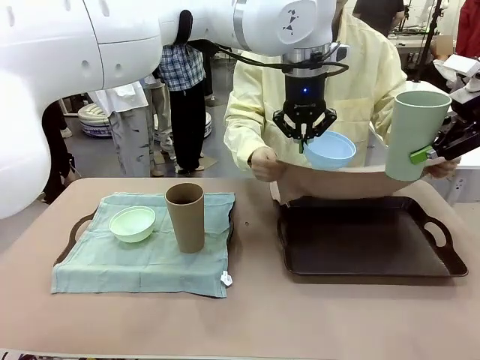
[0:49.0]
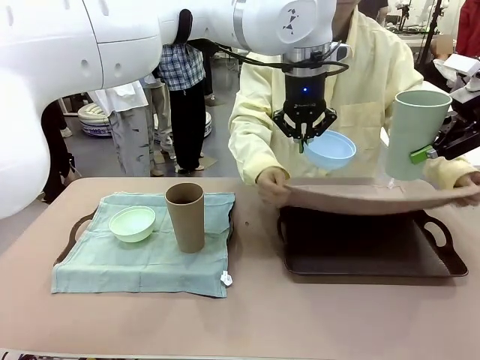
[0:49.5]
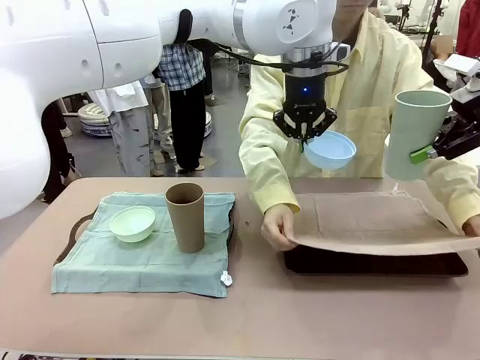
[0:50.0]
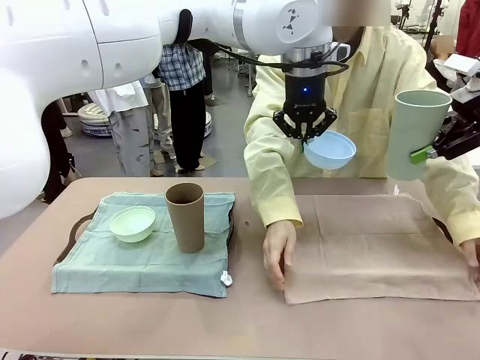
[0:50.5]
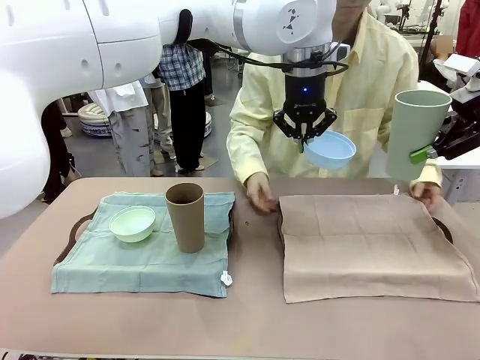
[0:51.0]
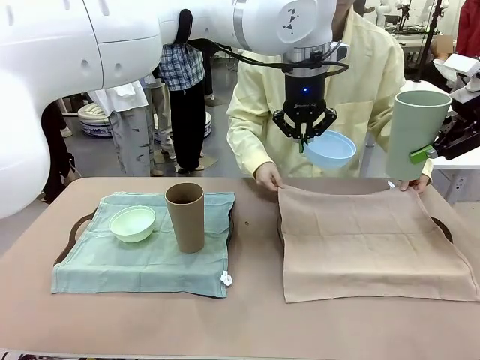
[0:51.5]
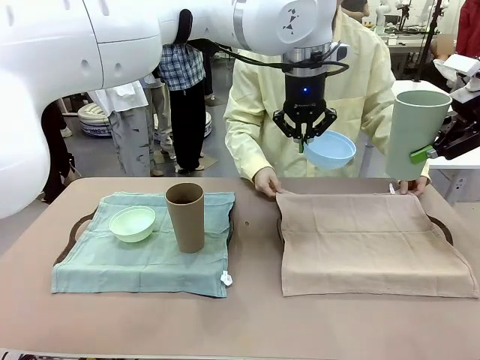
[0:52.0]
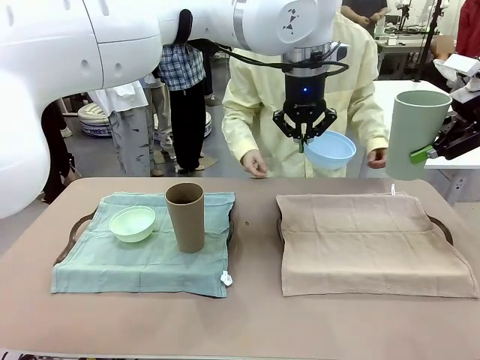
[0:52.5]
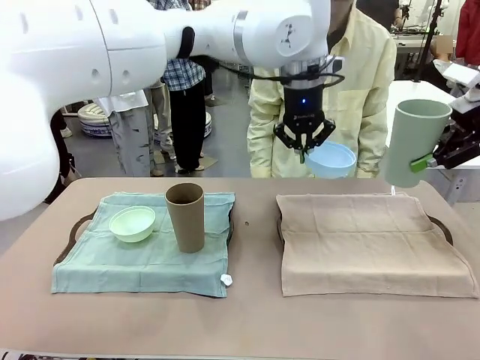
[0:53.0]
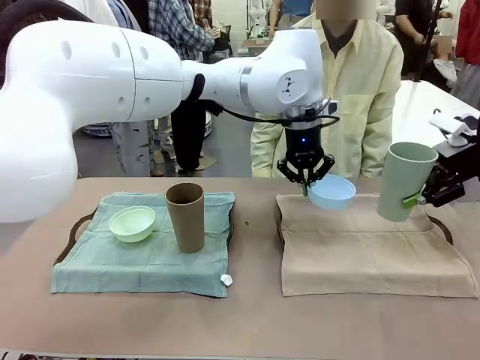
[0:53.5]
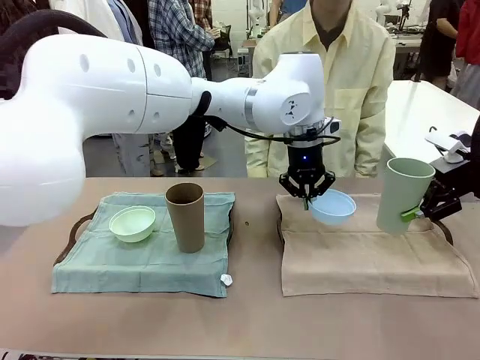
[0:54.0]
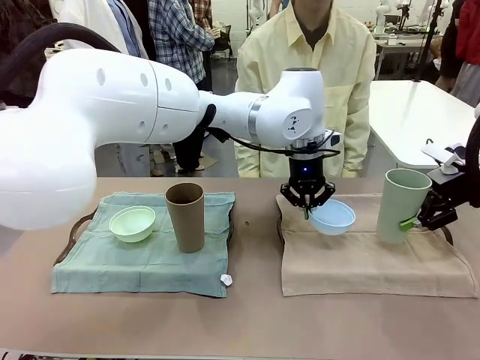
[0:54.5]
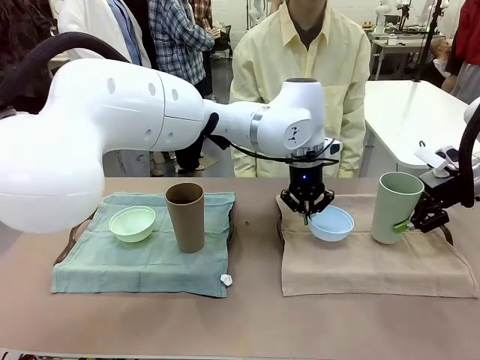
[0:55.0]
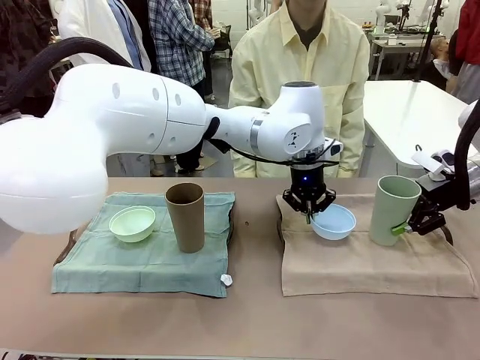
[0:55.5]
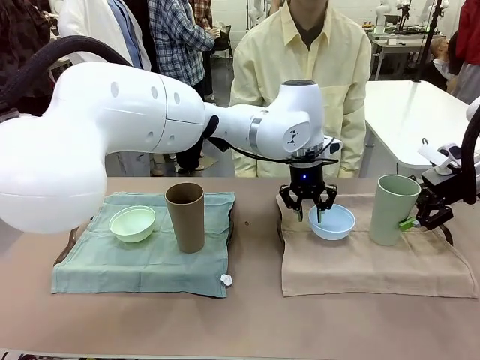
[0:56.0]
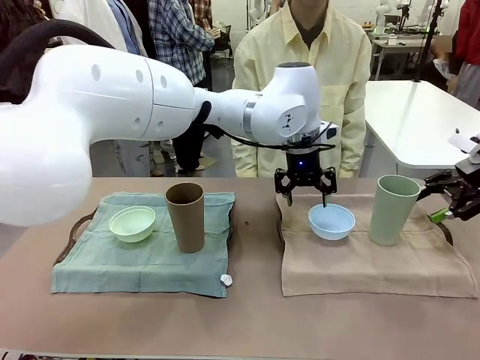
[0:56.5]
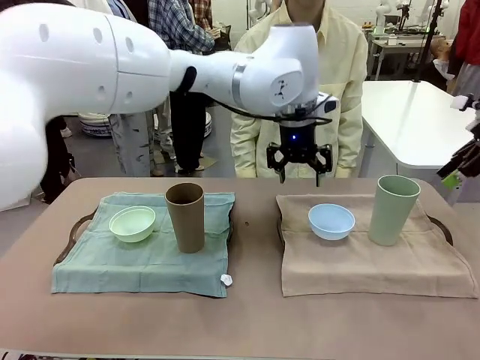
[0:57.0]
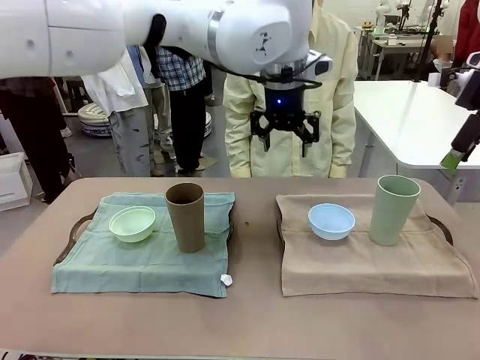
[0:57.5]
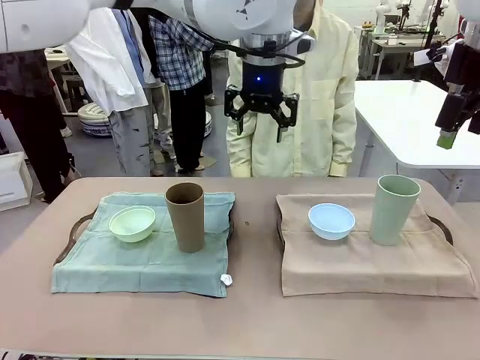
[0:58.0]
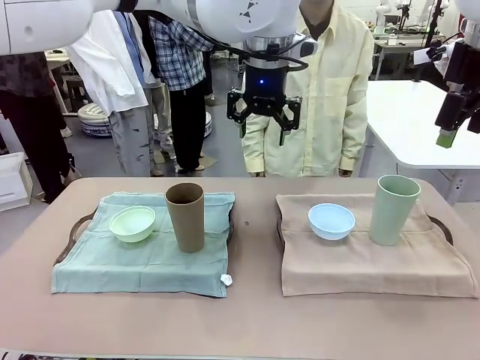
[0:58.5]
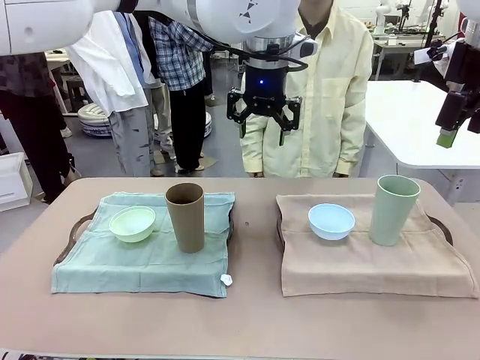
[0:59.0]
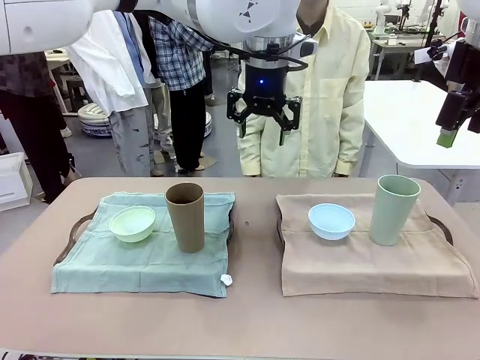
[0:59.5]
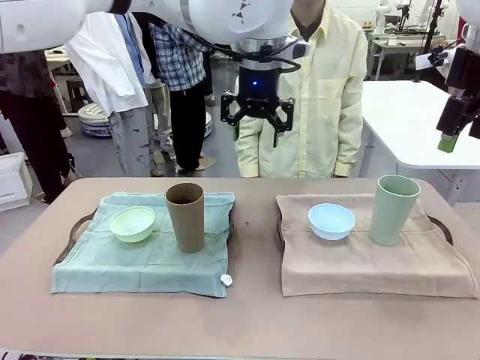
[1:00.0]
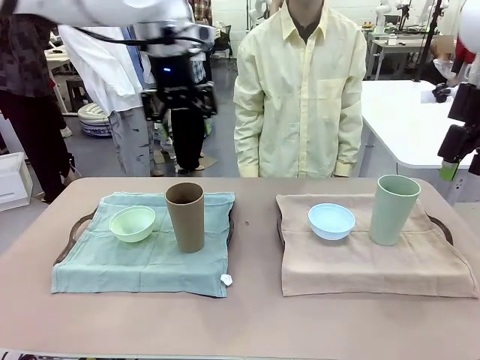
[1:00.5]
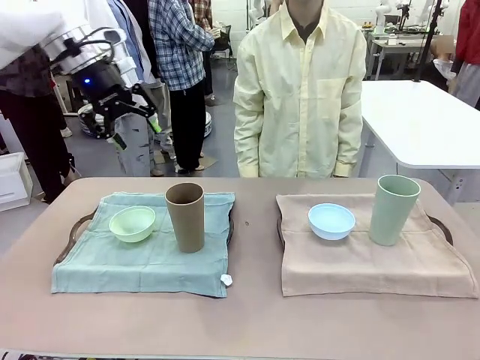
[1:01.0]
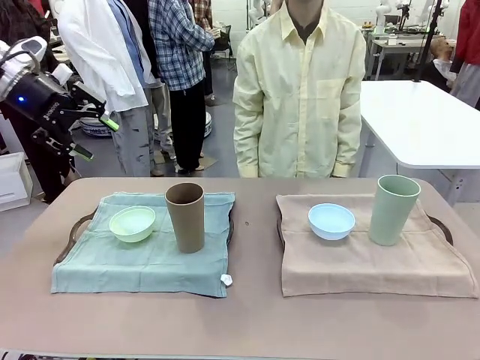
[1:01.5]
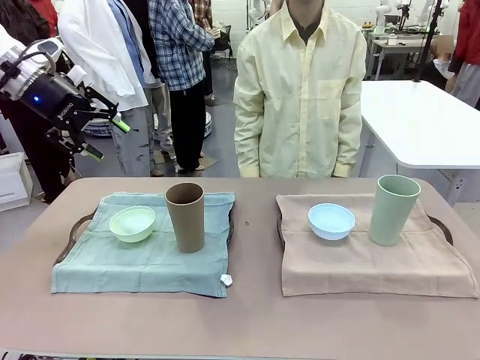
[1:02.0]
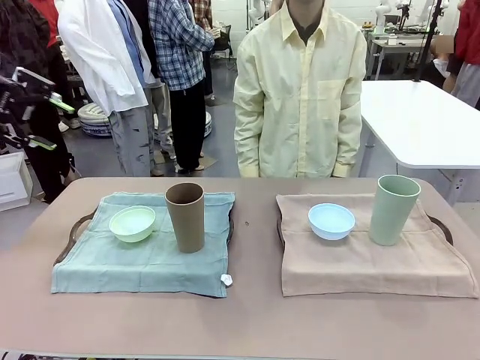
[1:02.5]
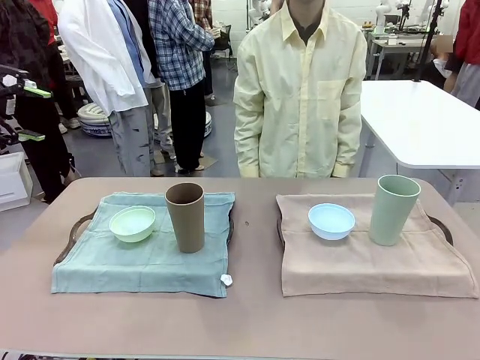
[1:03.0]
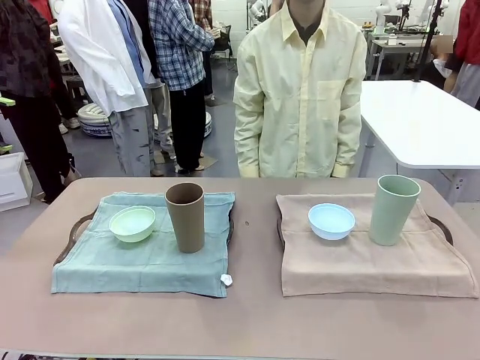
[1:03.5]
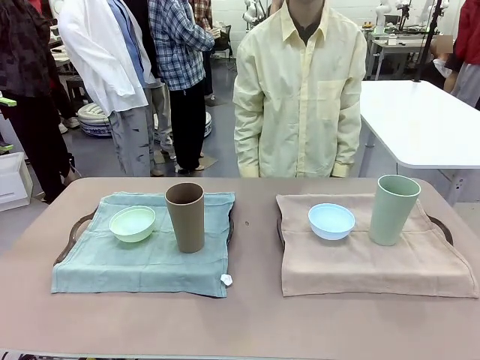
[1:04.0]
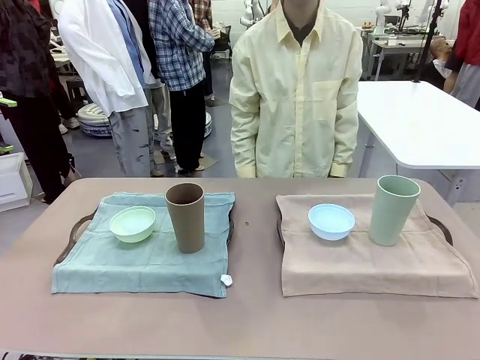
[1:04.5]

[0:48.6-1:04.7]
Robot: Place the Picnic Bowl and Reusable plastic cup back onto the Handle tray in front of the human's position.
Person: When the robot lifts the bowl and the cup, the human unfolds the napkin and lays the napkin flat on the tray.
